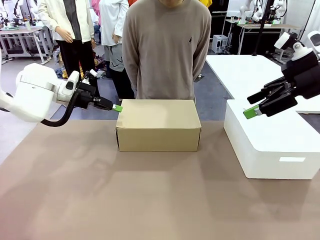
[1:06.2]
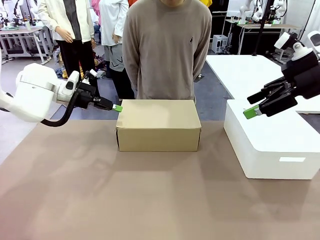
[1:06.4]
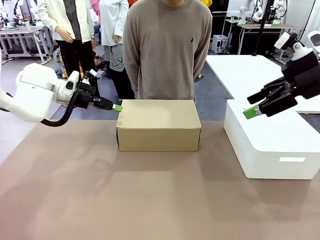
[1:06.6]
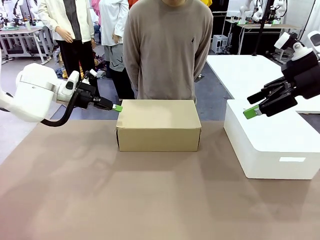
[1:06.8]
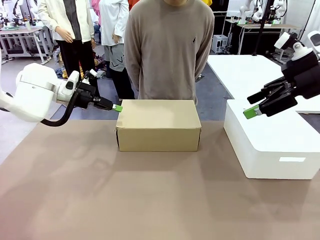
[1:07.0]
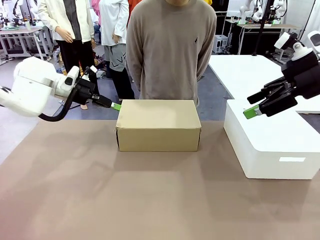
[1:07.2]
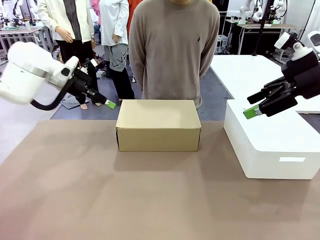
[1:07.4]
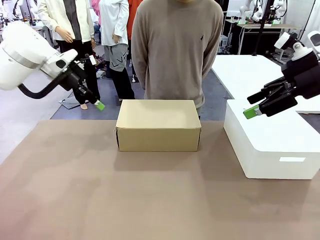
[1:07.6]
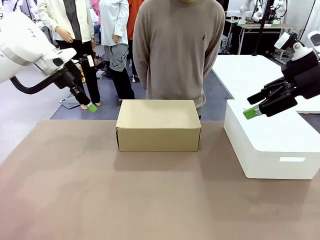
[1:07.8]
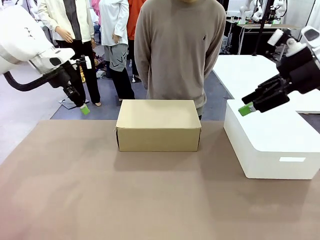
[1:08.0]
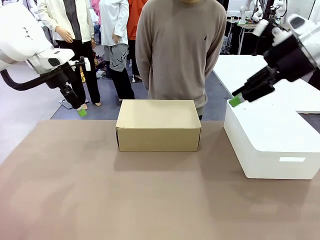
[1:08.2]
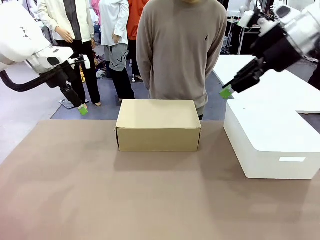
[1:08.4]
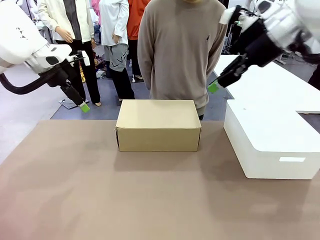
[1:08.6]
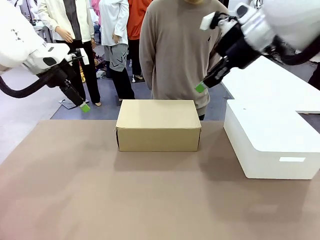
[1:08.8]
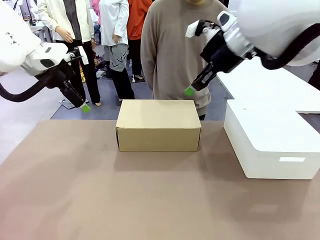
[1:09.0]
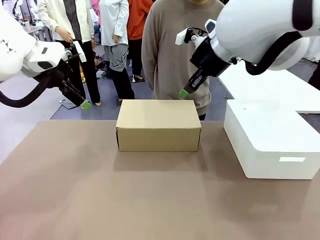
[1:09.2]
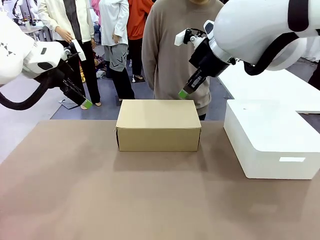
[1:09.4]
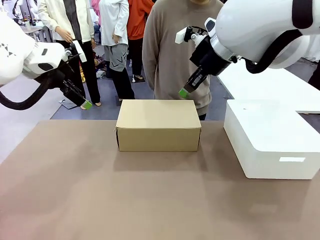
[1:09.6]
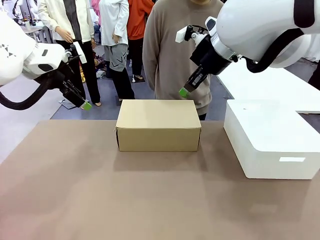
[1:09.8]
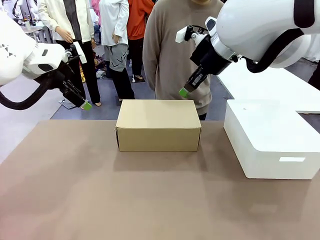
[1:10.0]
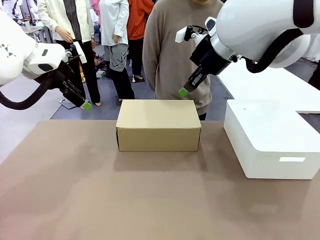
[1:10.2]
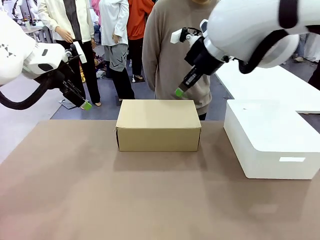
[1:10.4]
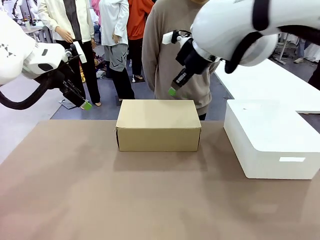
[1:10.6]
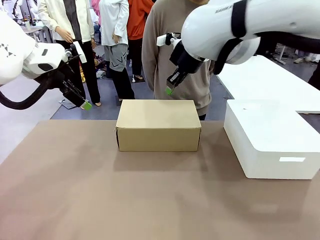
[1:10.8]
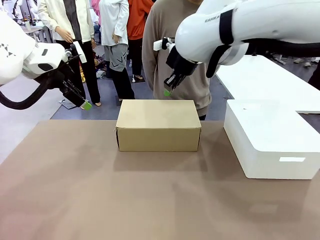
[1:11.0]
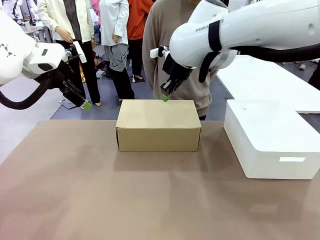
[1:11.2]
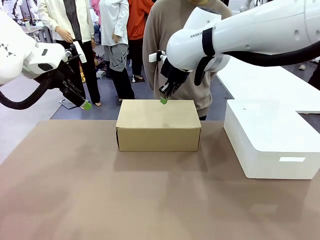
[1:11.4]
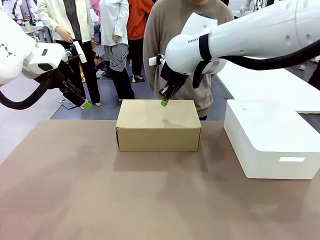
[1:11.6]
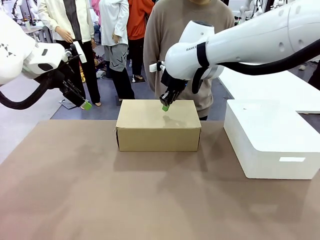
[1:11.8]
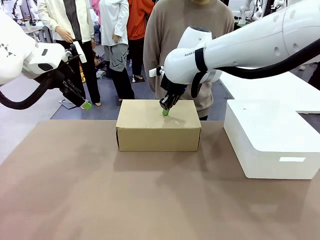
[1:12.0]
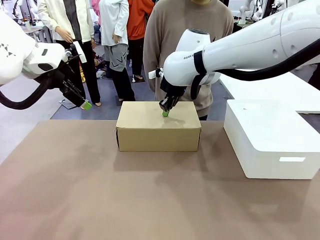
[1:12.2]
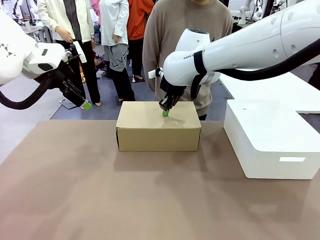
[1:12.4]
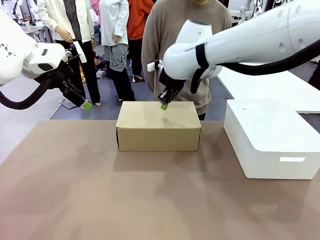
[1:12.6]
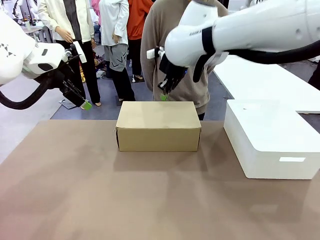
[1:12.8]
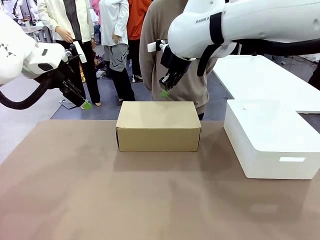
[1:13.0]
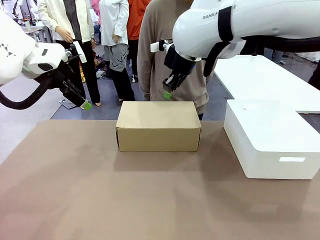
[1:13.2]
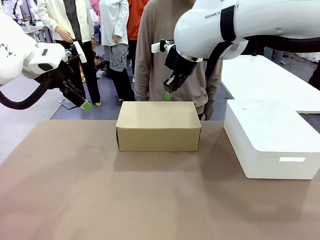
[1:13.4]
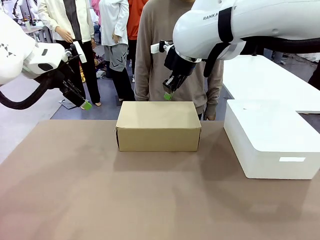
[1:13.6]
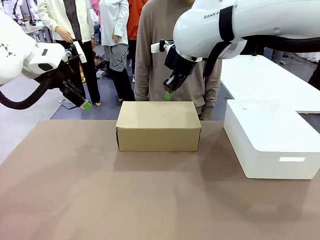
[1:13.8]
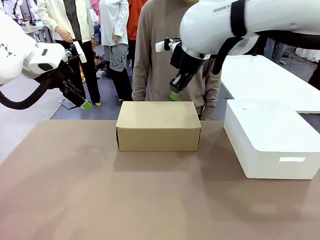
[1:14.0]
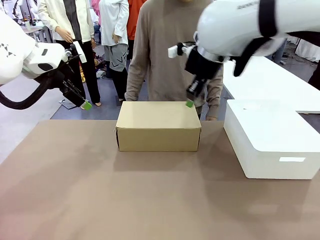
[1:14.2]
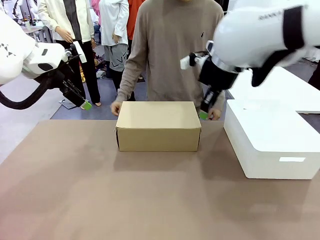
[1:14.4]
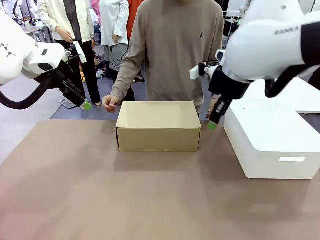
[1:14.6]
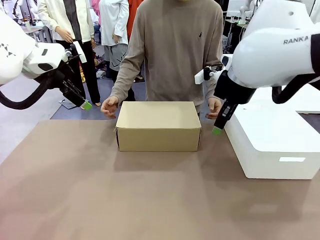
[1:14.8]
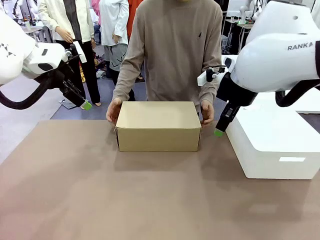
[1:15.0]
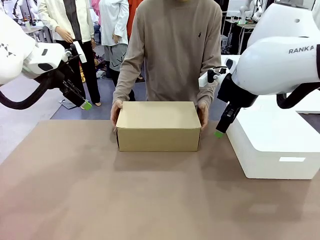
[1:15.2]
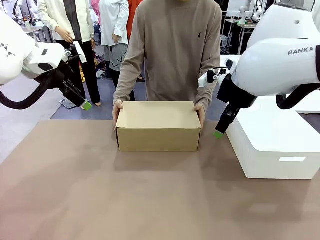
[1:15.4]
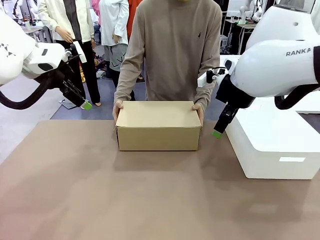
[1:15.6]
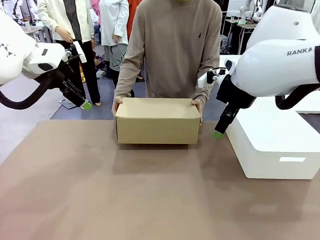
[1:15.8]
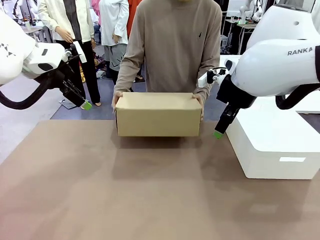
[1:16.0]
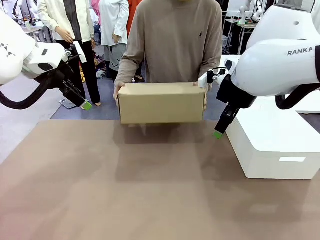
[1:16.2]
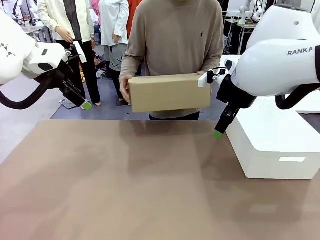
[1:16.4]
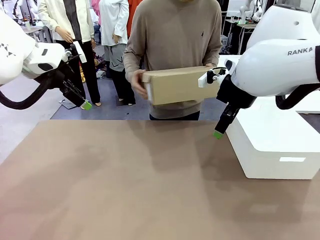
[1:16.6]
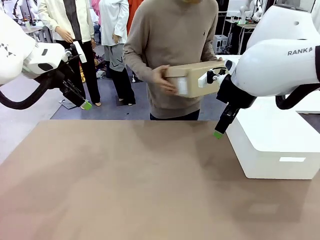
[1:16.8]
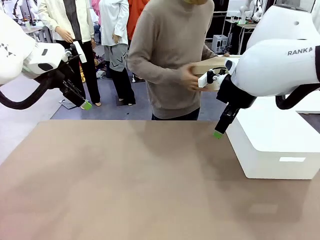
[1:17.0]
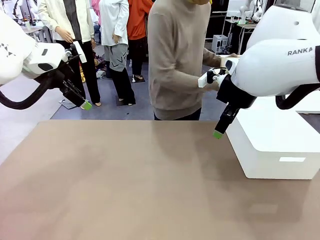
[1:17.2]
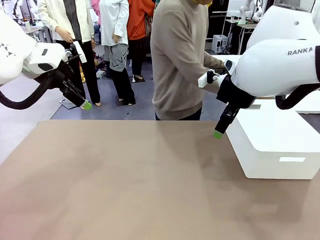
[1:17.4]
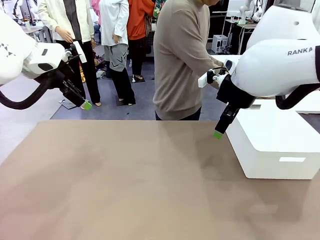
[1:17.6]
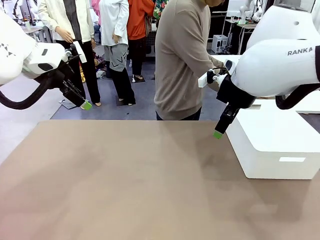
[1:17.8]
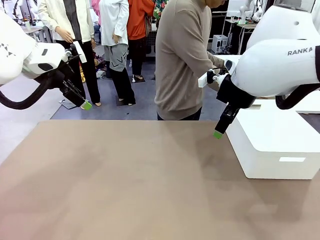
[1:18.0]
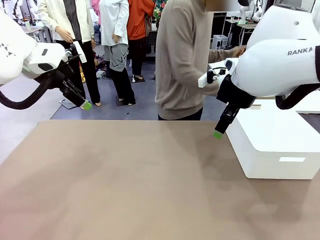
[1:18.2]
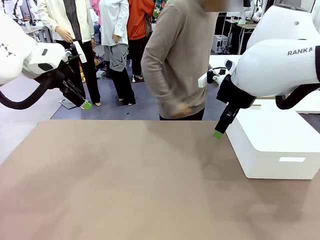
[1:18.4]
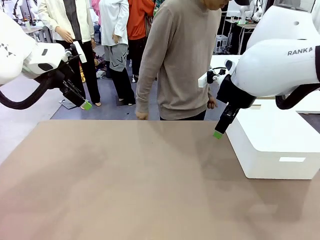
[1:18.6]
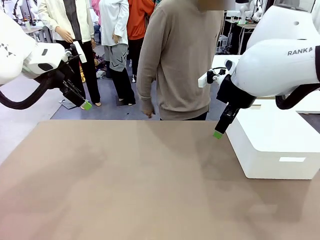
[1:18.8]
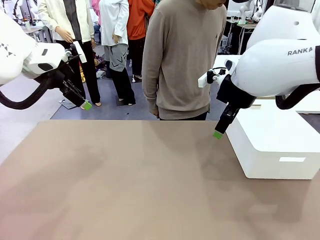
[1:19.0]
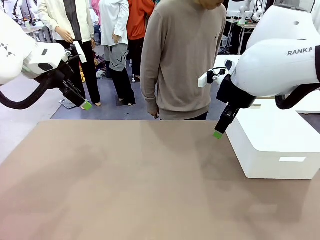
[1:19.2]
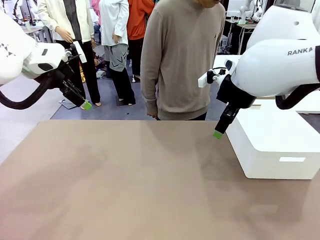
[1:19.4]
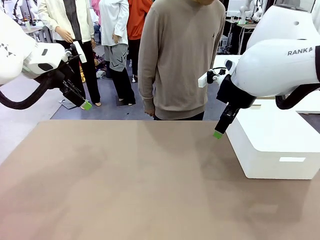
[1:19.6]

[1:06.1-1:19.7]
Task: Pack the shoes into the box.
Robot: Press down on the lid of the Shoes Box.
Person: Place the closed Shoes Box to the right side of the human table.

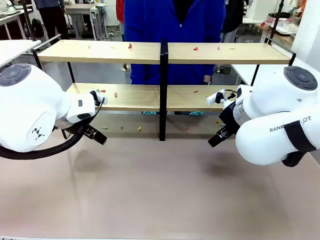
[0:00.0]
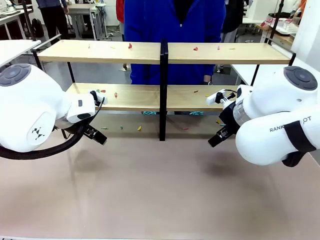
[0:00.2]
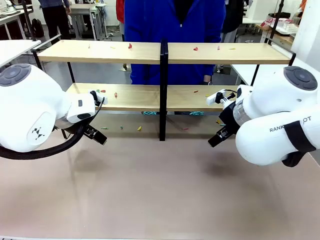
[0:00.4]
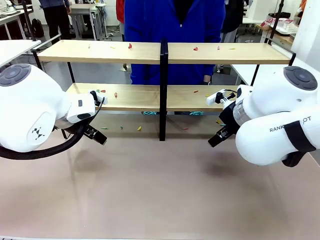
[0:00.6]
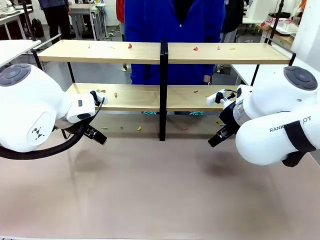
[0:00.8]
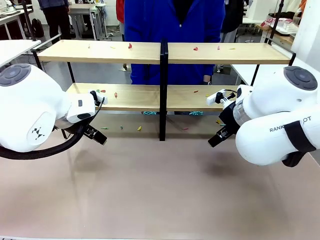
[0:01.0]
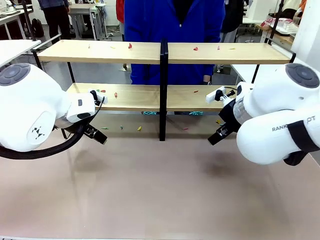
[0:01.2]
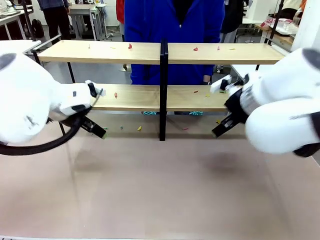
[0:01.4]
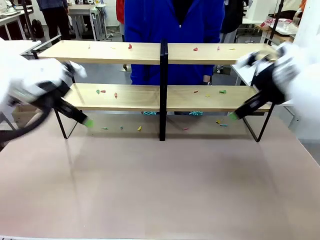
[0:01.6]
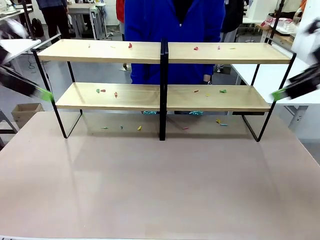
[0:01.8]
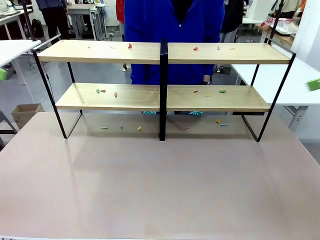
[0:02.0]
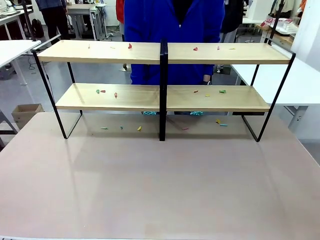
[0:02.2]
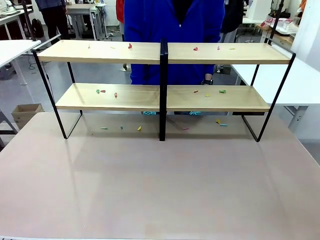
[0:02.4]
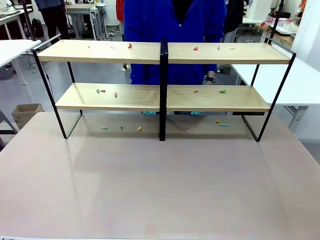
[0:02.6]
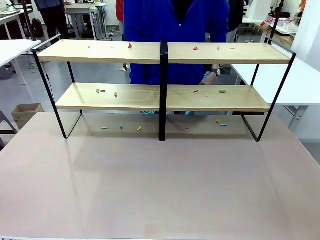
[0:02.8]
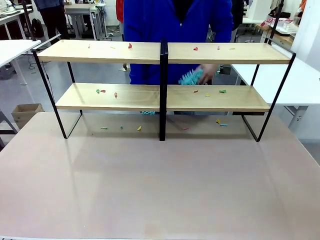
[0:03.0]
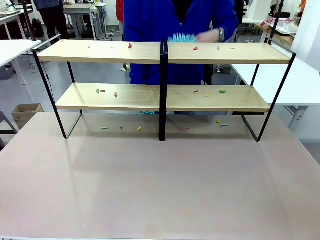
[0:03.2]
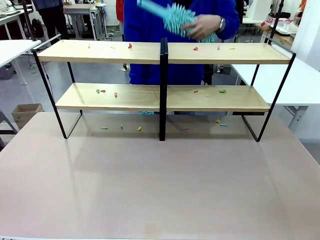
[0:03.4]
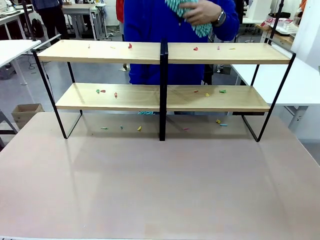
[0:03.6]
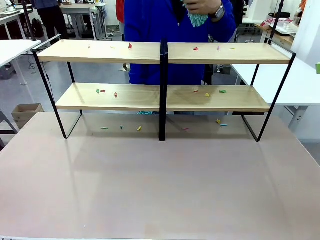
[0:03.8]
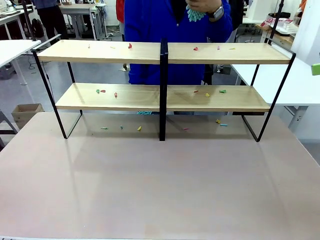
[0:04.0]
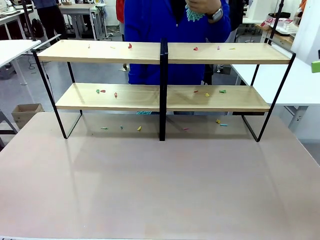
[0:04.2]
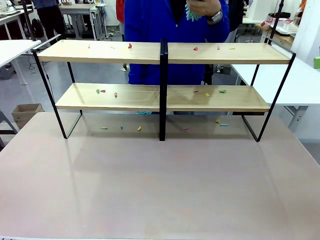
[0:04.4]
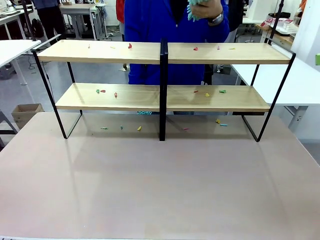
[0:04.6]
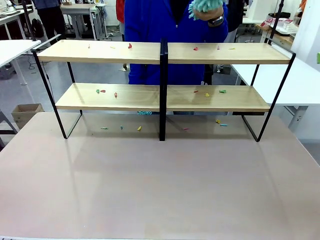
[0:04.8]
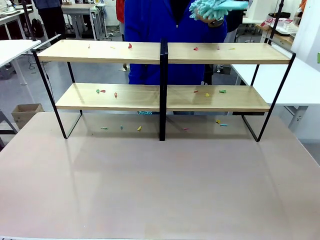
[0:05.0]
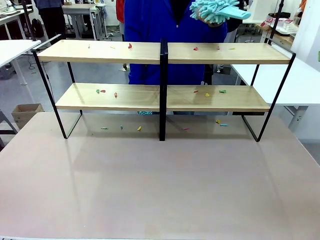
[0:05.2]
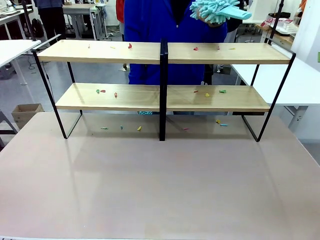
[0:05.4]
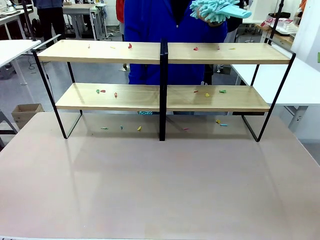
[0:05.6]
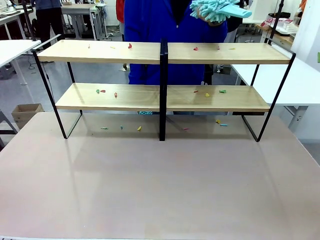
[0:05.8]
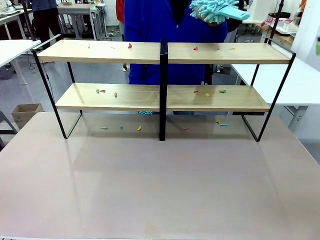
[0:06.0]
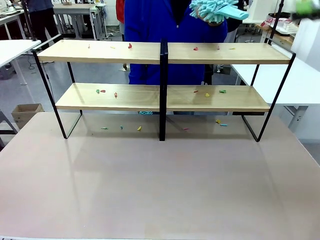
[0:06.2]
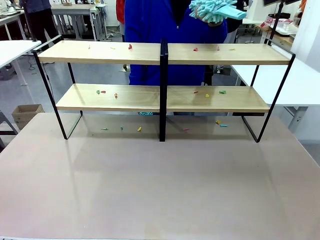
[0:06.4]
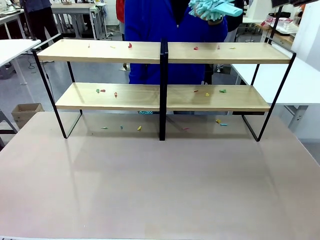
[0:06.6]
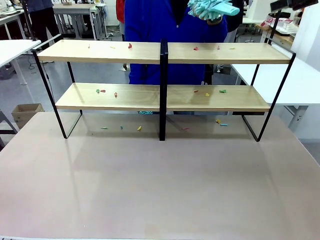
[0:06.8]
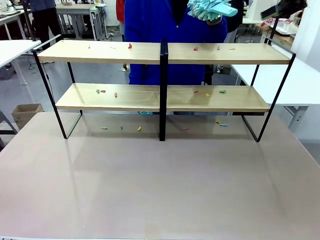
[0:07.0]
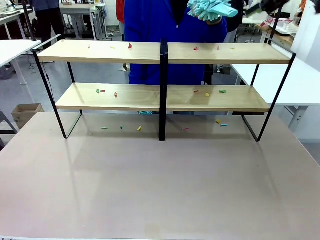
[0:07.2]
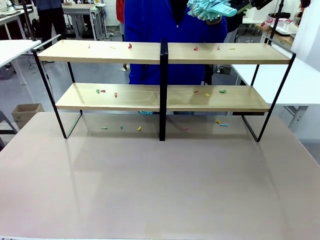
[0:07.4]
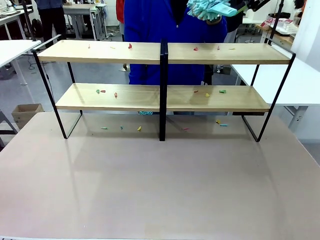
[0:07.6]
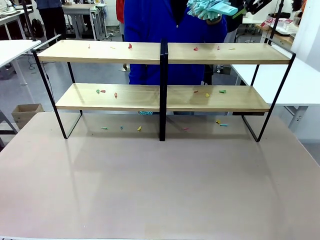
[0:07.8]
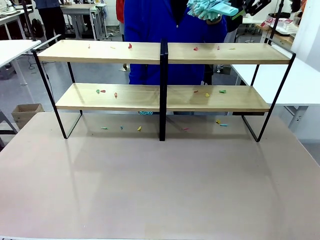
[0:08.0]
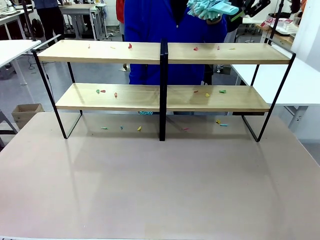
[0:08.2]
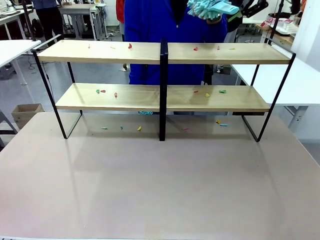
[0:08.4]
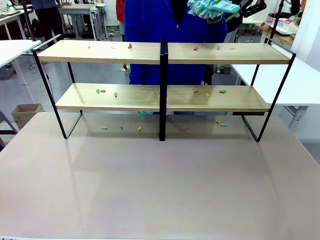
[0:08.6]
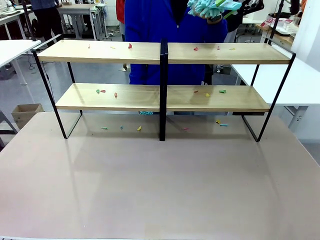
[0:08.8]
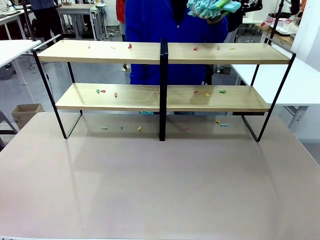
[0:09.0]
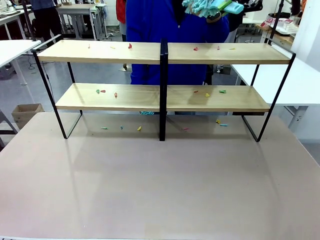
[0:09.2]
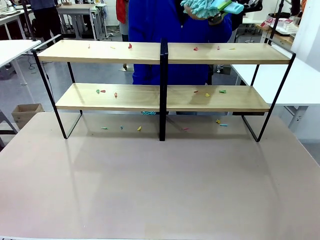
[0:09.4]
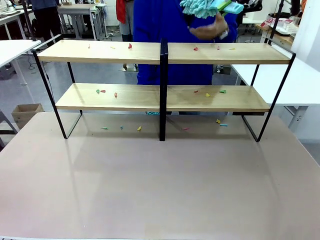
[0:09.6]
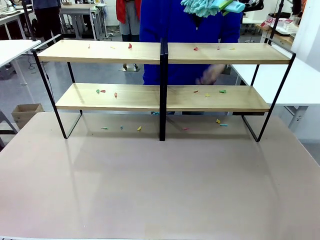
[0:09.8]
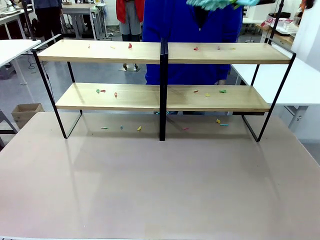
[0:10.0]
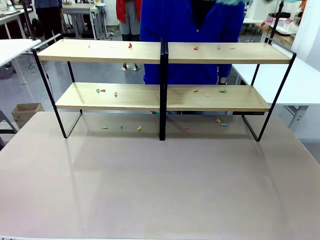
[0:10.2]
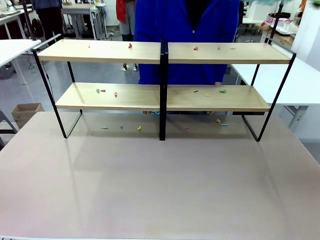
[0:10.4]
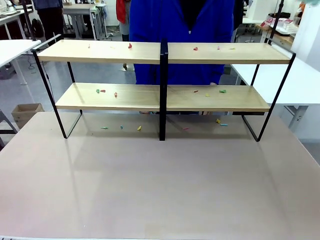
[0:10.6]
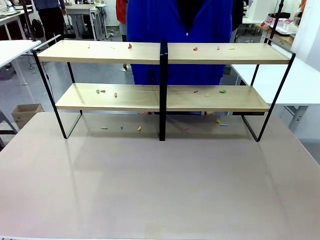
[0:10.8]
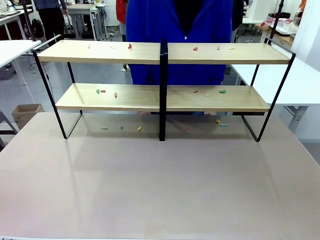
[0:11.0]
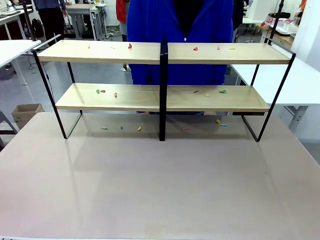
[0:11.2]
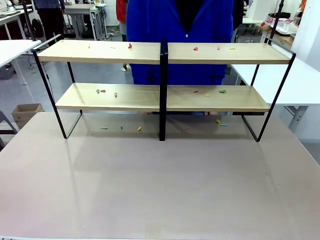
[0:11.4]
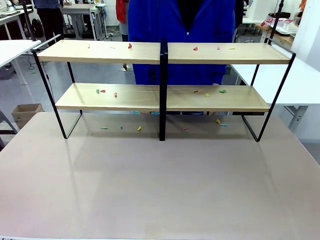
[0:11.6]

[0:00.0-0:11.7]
Task: Clean the shelves.
Robot: Pick up the Duster when the human hands it over.
Person: Hand the Duster to the robot with your right (or left) hand.
